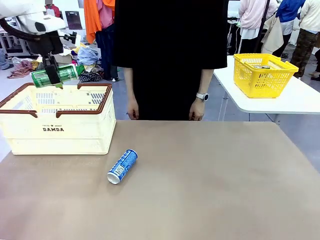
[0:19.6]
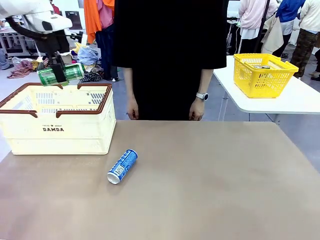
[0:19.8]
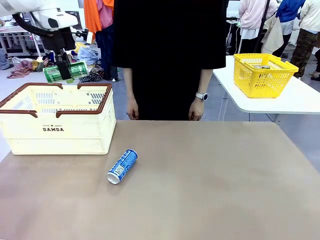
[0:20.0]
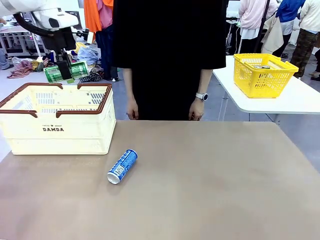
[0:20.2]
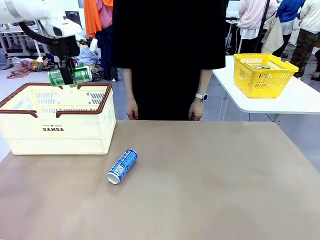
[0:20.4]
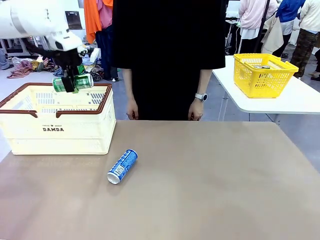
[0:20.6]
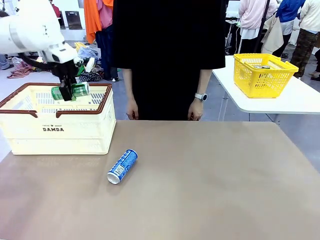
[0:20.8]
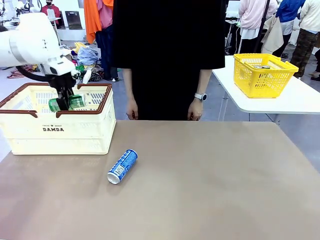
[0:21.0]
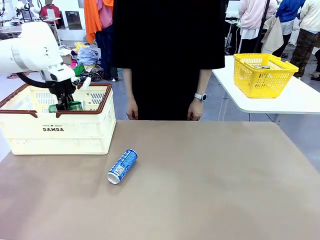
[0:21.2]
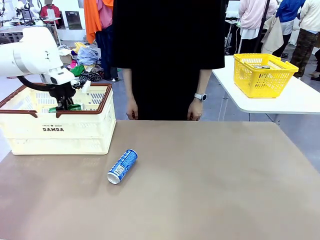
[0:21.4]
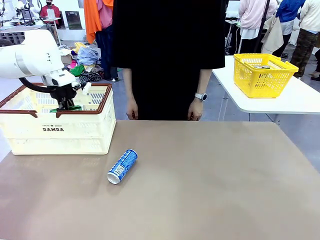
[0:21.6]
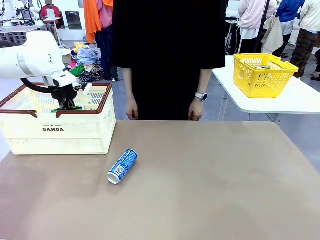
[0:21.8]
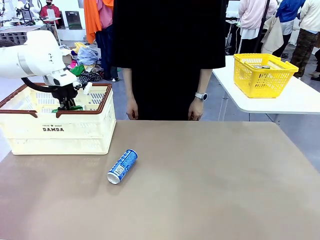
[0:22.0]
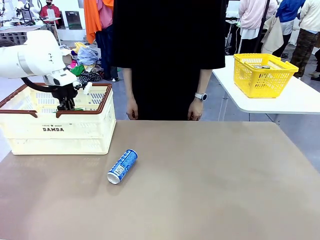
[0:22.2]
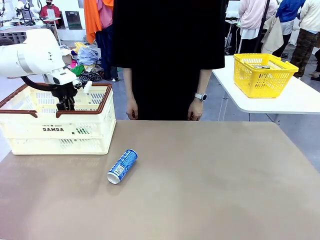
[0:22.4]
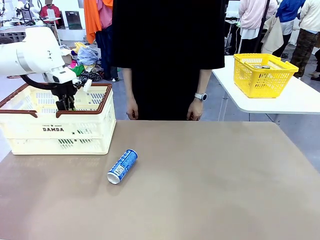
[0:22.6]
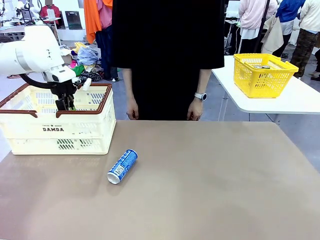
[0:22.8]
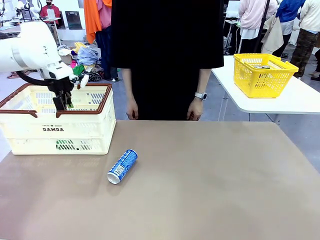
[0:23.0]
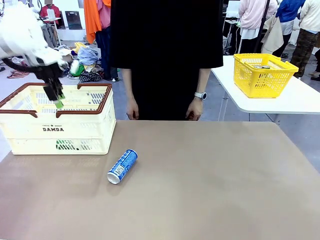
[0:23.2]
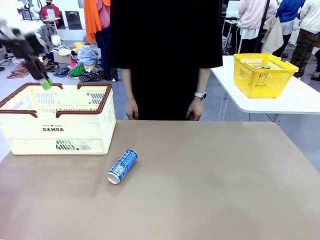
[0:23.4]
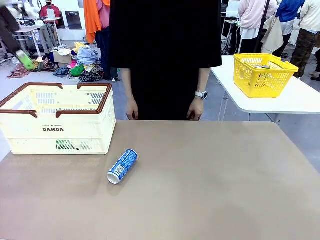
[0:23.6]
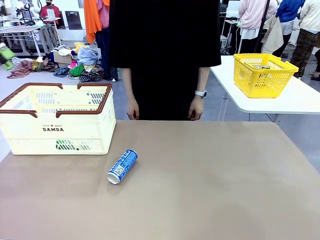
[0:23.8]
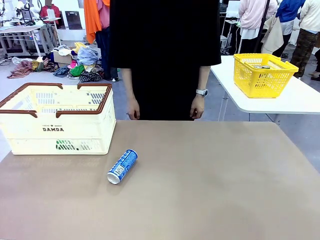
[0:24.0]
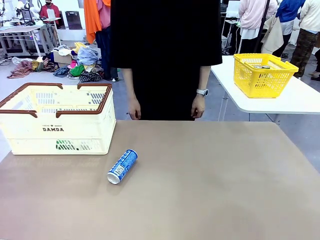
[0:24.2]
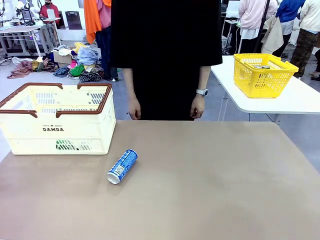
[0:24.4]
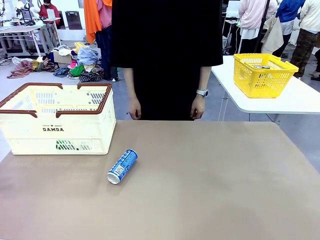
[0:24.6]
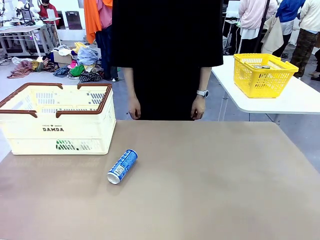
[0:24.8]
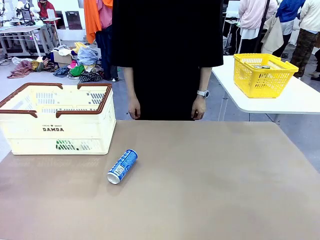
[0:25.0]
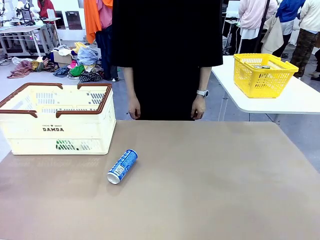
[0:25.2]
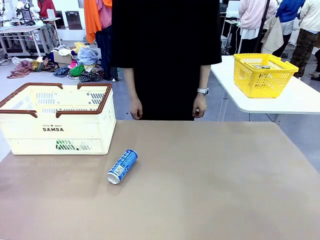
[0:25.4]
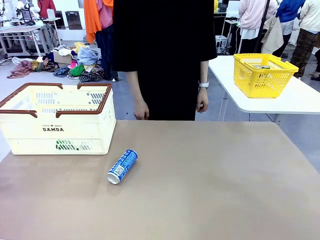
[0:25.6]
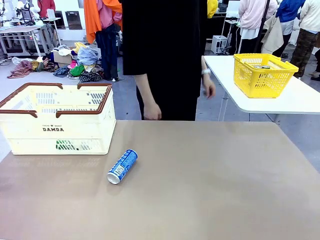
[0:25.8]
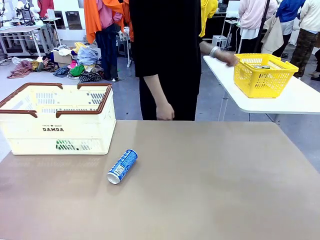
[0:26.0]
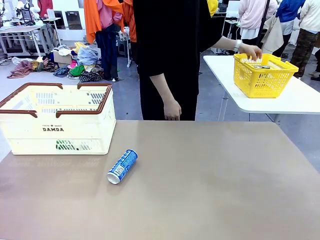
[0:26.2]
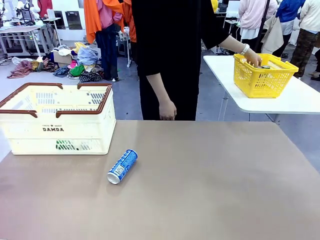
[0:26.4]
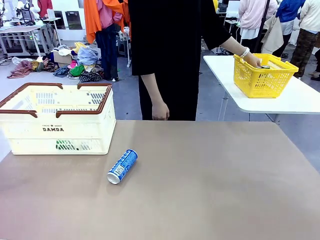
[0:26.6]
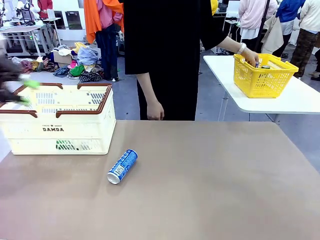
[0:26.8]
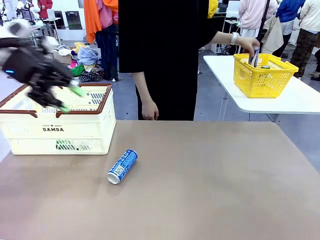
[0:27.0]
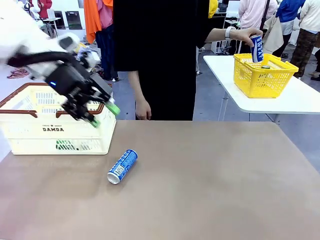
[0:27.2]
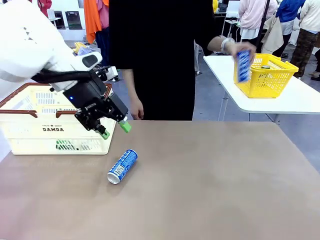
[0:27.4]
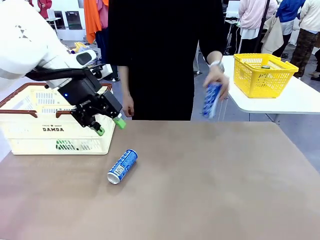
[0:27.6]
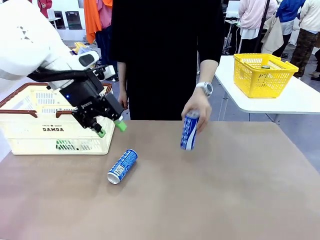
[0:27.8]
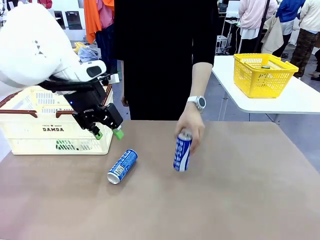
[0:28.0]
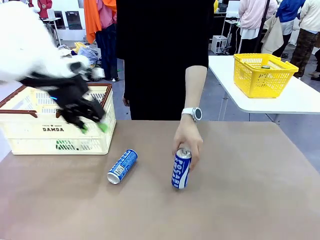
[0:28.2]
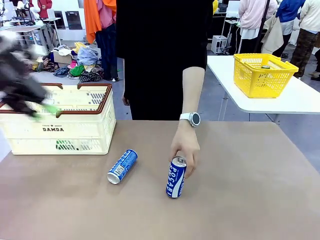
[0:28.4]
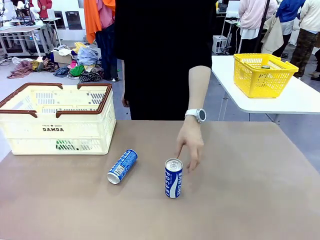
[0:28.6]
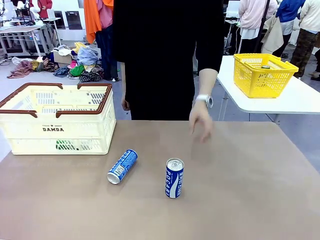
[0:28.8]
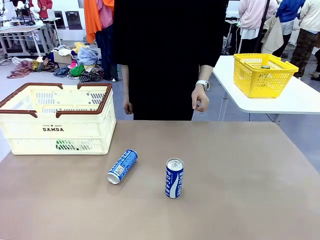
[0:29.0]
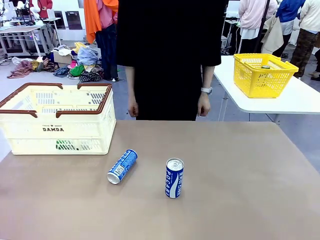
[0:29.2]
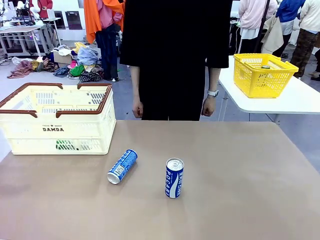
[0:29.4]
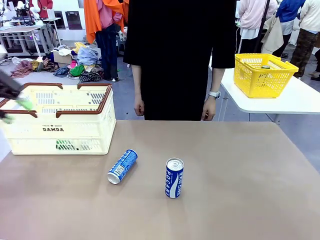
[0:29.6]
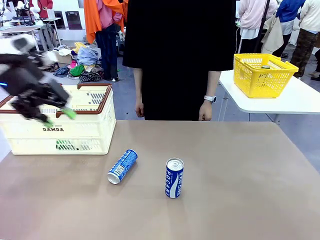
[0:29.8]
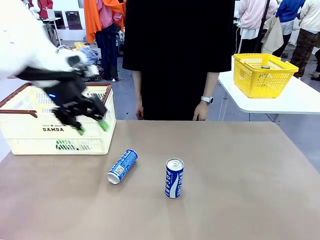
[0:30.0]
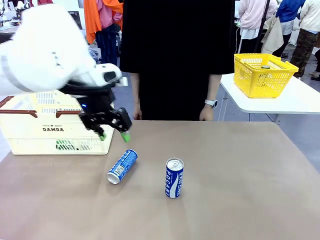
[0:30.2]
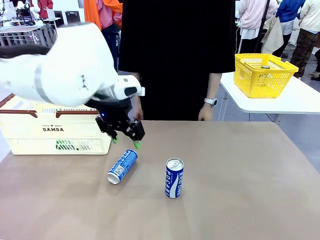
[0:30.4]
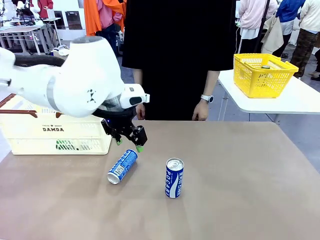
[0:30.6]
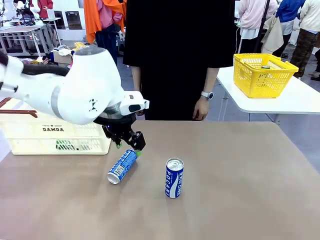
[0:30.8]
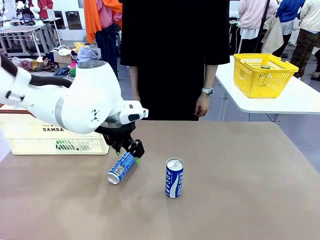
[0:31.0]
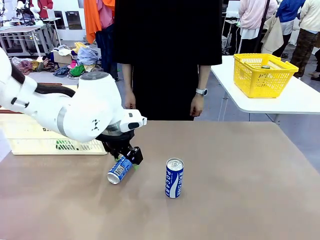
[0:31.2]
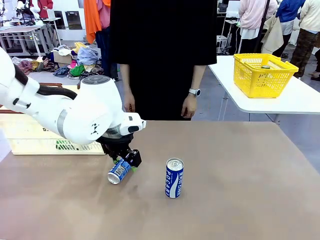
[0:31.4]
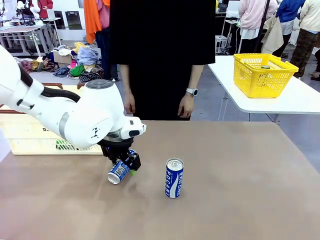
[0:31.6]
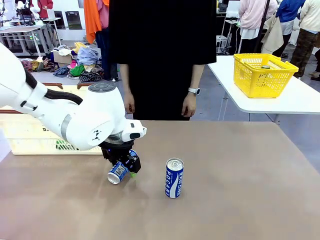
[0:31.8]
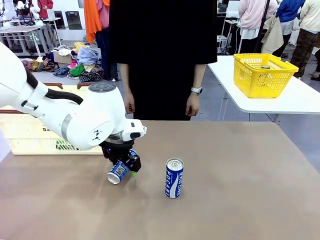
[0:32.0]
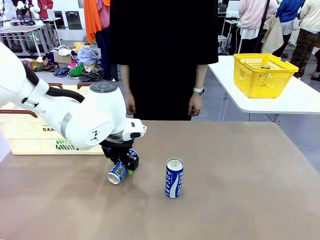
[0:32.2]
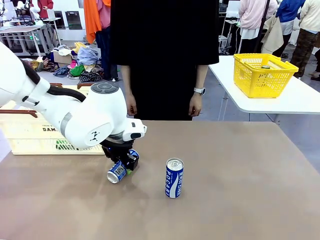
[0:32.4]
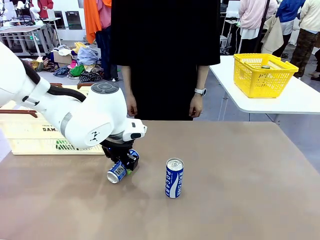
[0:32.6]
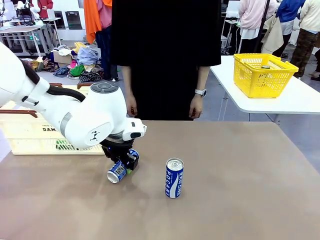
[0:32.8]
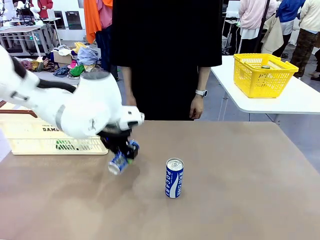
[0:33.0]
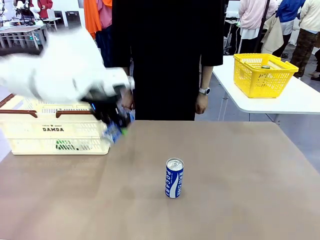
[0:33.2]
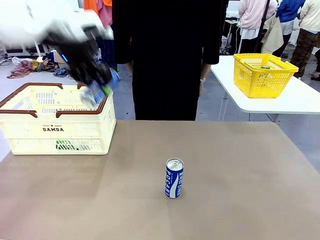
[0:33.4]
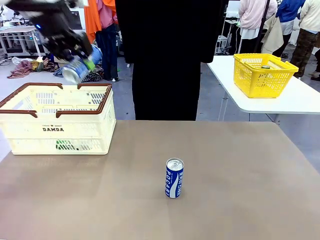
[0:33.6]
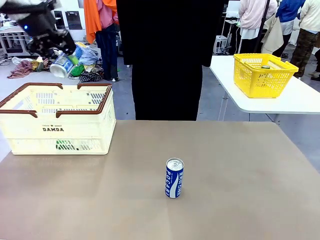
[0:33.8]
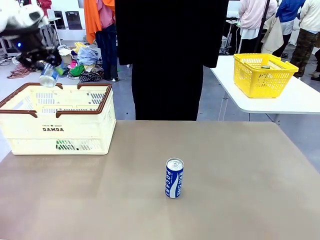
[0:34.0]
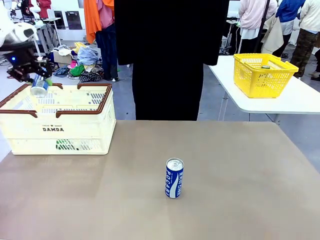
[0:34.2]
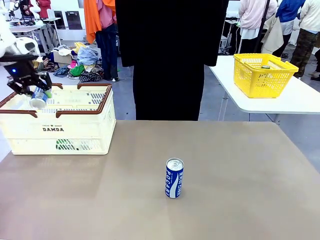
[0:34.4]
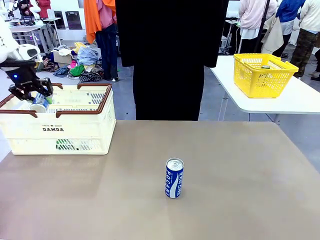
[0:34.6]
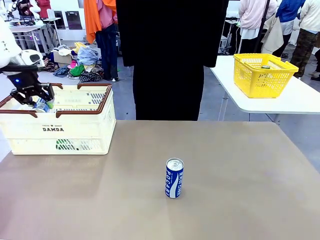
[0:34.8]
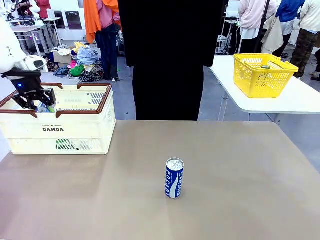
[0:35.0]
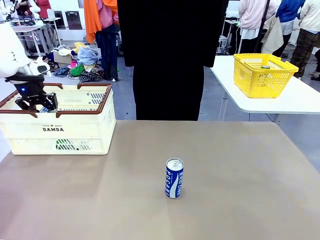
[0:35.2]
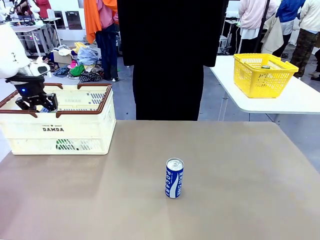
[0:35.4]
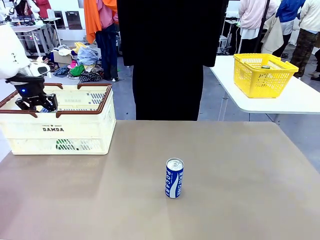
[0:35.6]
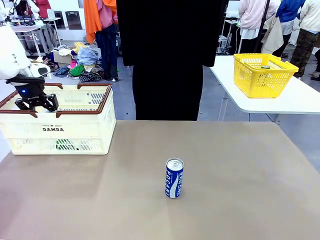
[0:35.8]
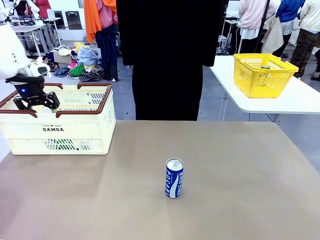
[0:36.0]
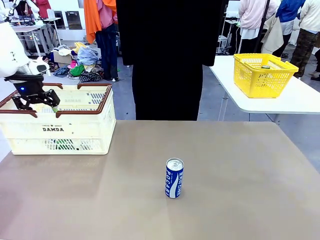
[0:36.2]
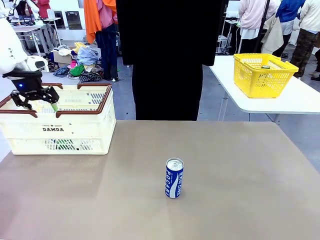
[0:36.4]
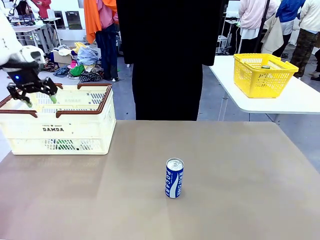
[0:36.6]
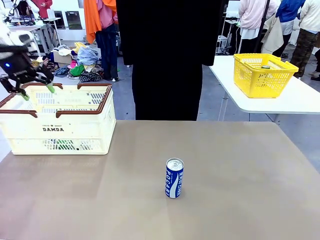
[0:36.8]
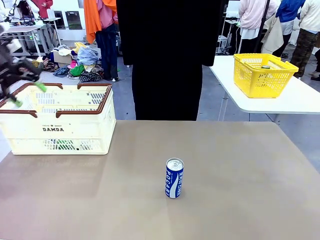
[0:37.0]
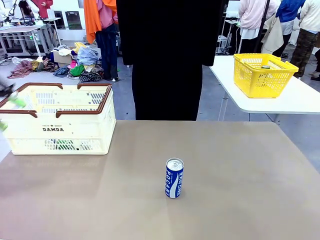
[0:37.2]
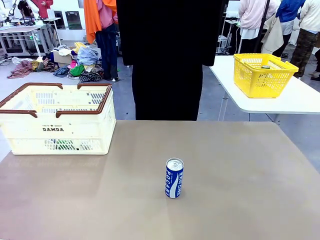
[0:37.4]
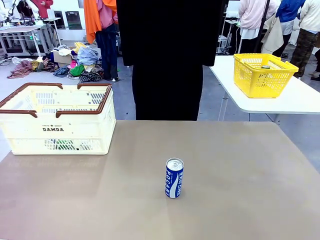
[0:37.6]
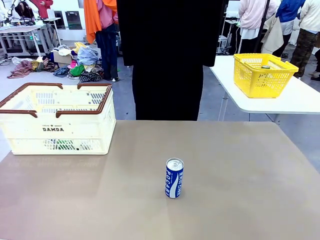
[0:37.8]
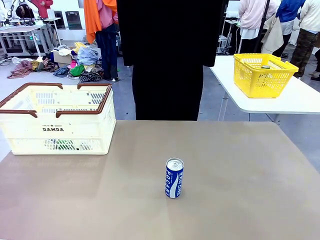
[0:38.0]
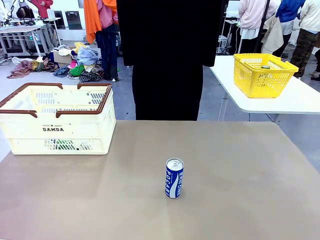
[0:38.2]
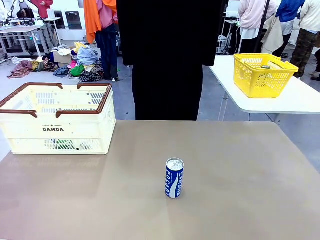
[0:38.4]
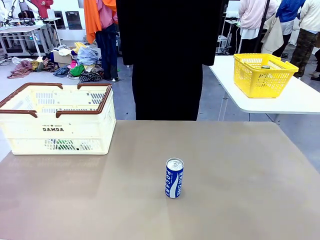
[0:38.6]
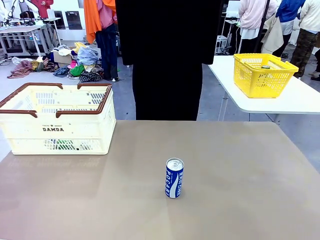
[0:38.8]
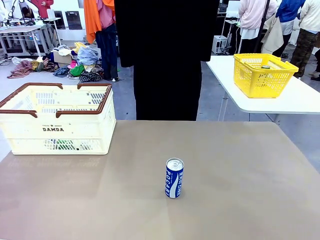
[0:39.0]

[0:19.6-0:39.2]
Task: Place the drinks into the Shopping basket.
Robot: Pick up one drink and place it into the Shopping basket.
